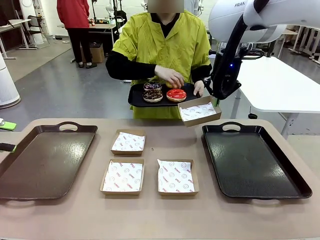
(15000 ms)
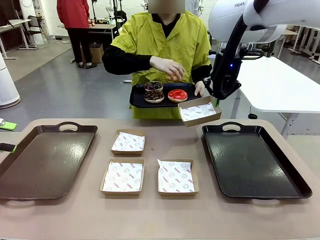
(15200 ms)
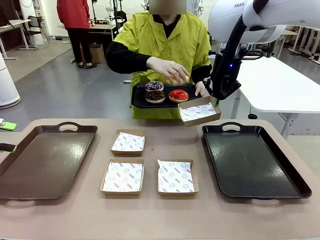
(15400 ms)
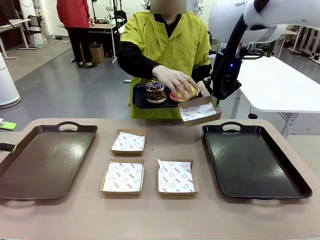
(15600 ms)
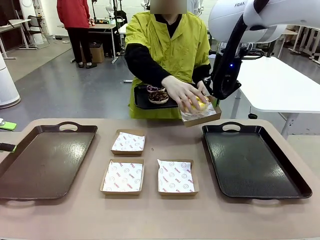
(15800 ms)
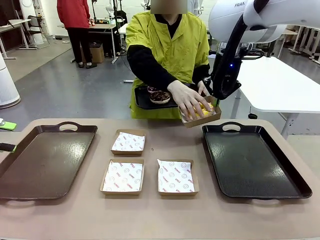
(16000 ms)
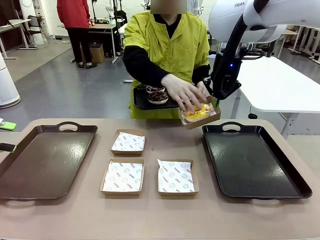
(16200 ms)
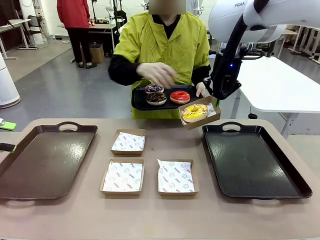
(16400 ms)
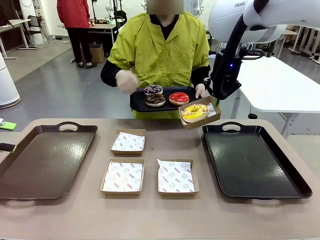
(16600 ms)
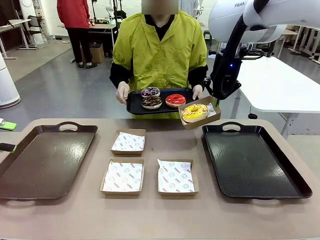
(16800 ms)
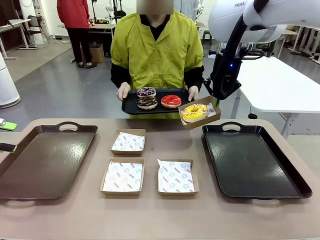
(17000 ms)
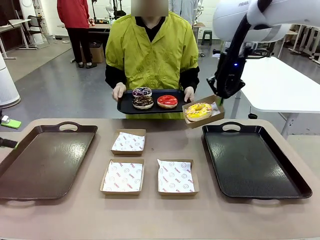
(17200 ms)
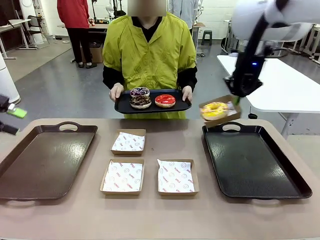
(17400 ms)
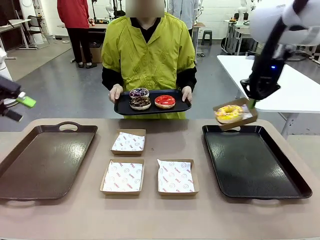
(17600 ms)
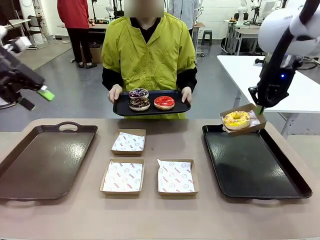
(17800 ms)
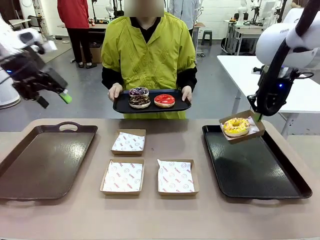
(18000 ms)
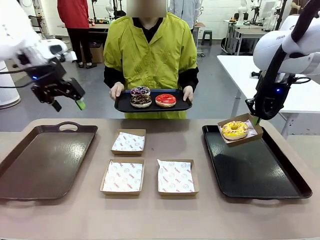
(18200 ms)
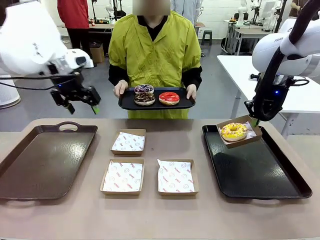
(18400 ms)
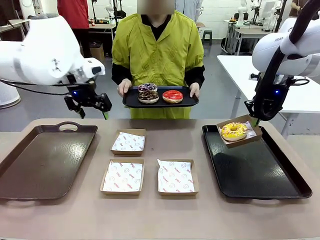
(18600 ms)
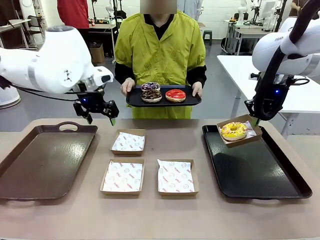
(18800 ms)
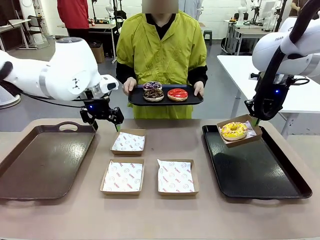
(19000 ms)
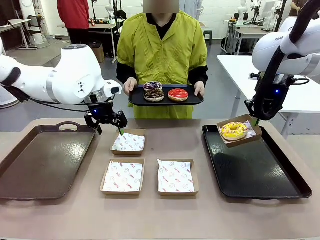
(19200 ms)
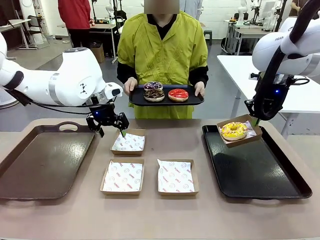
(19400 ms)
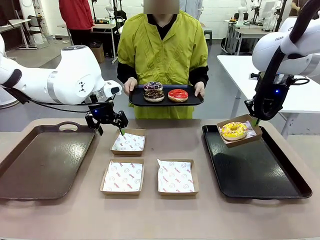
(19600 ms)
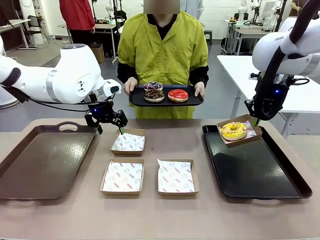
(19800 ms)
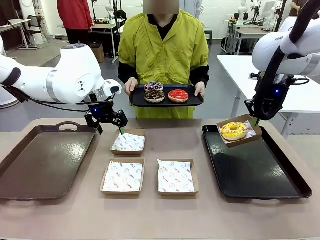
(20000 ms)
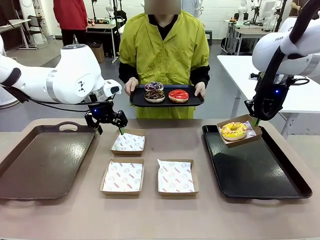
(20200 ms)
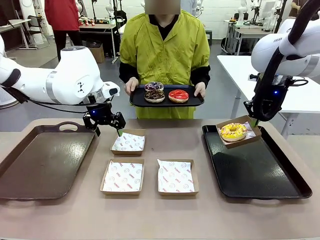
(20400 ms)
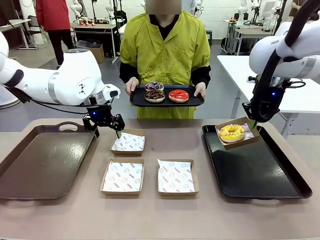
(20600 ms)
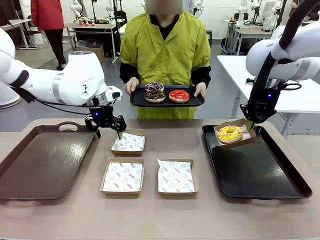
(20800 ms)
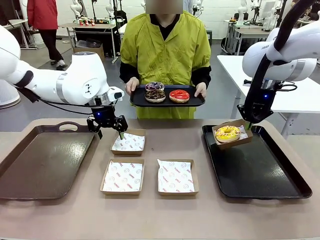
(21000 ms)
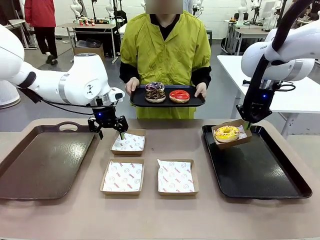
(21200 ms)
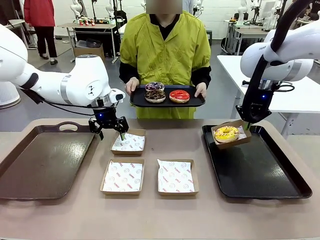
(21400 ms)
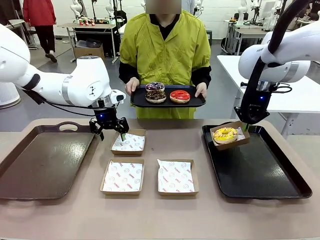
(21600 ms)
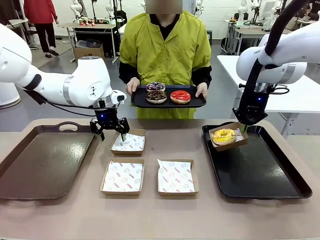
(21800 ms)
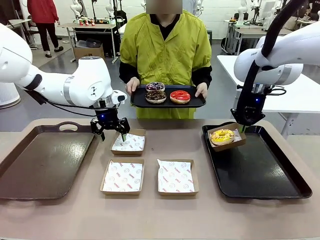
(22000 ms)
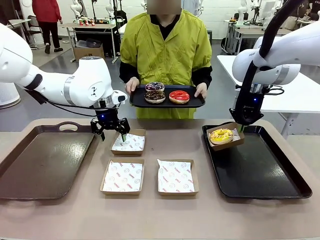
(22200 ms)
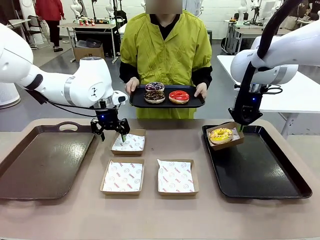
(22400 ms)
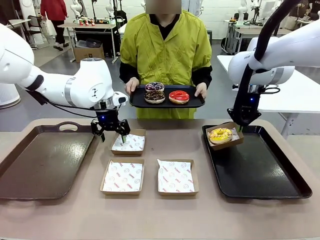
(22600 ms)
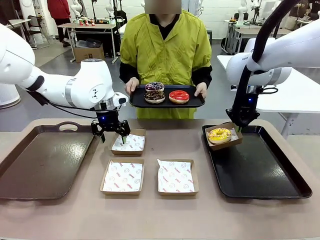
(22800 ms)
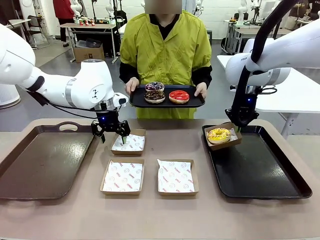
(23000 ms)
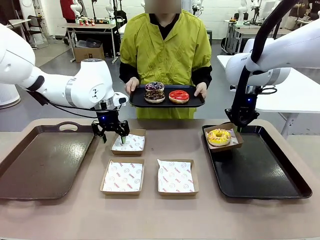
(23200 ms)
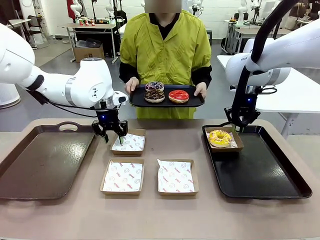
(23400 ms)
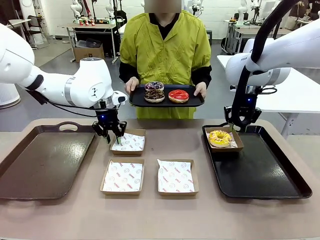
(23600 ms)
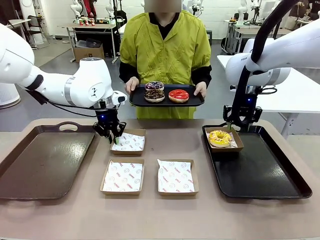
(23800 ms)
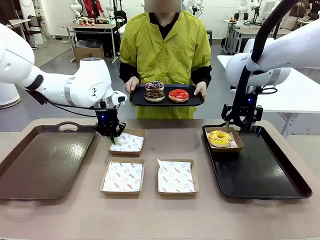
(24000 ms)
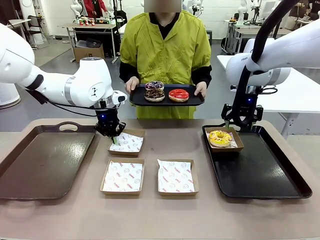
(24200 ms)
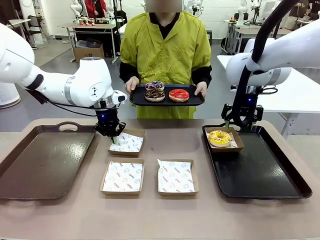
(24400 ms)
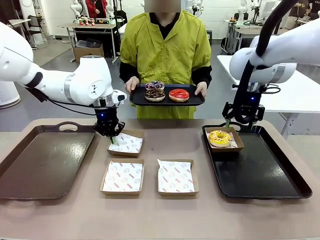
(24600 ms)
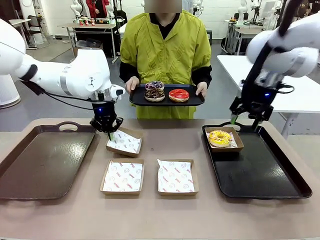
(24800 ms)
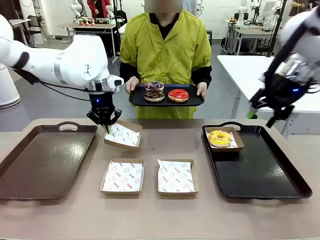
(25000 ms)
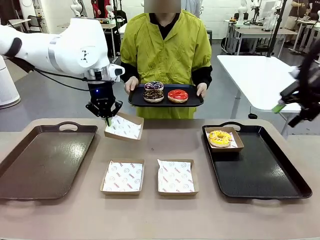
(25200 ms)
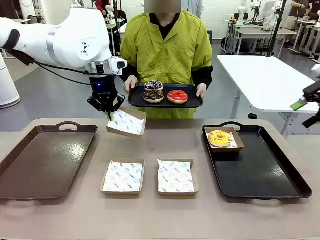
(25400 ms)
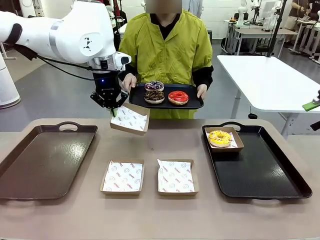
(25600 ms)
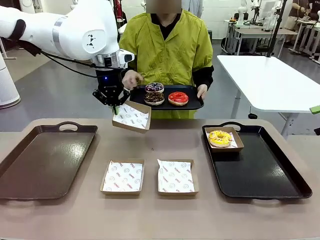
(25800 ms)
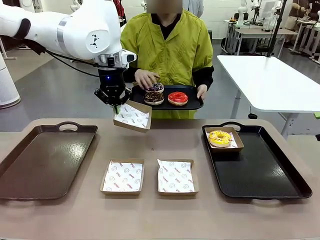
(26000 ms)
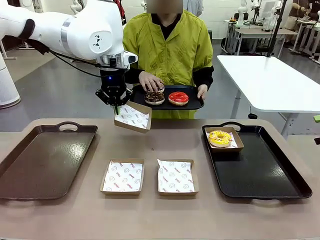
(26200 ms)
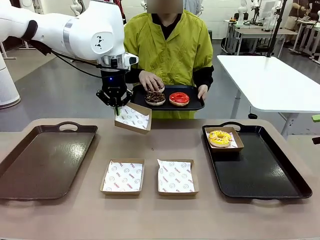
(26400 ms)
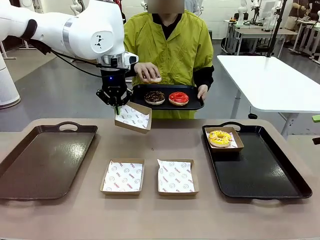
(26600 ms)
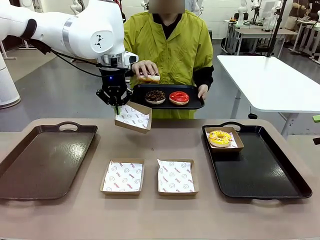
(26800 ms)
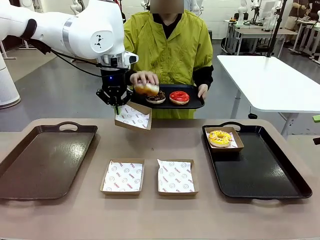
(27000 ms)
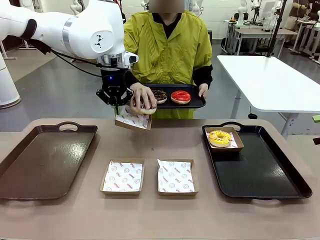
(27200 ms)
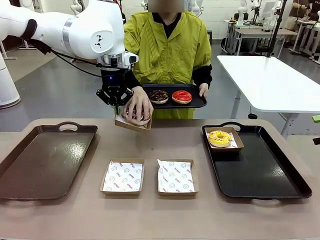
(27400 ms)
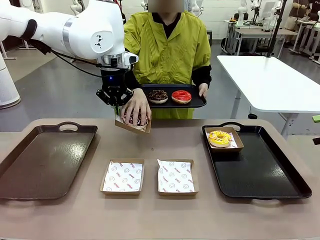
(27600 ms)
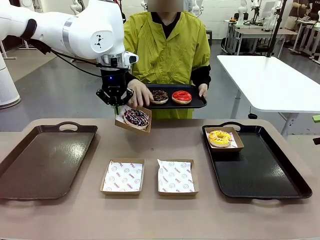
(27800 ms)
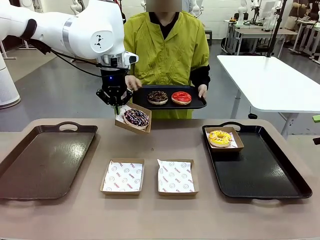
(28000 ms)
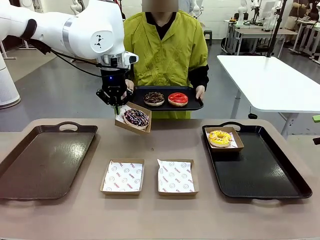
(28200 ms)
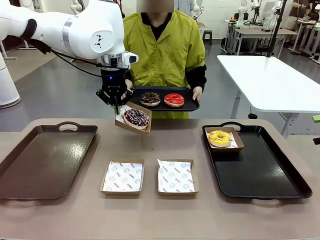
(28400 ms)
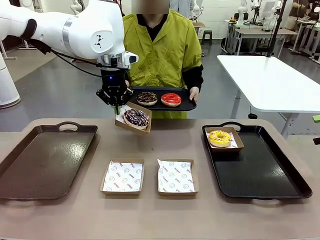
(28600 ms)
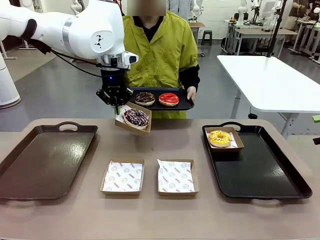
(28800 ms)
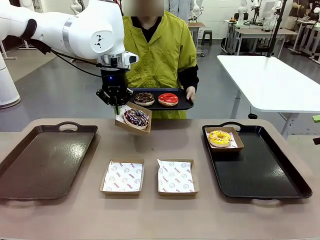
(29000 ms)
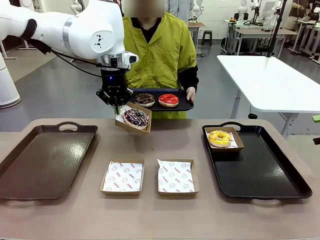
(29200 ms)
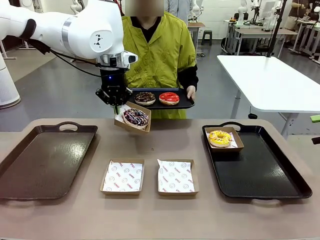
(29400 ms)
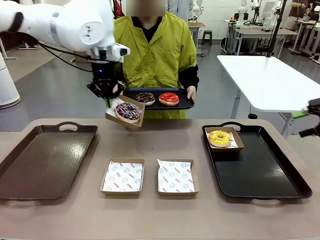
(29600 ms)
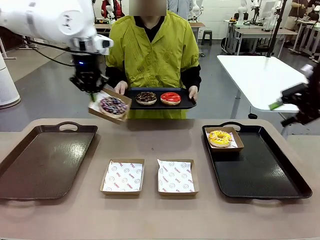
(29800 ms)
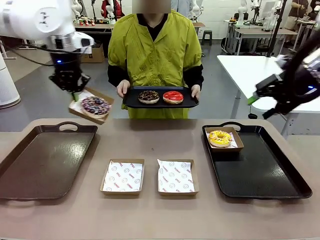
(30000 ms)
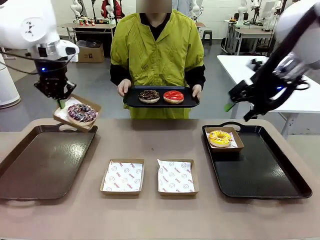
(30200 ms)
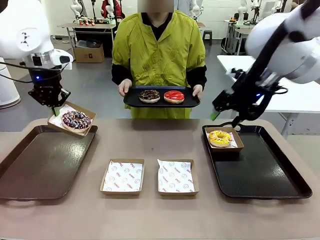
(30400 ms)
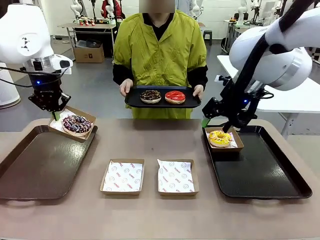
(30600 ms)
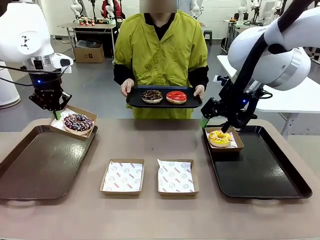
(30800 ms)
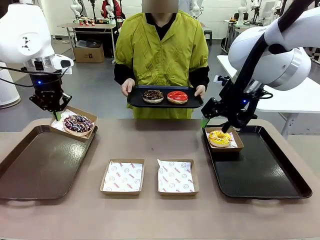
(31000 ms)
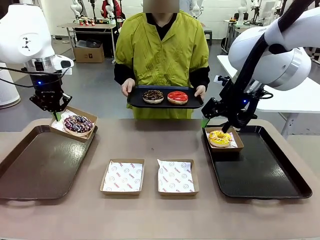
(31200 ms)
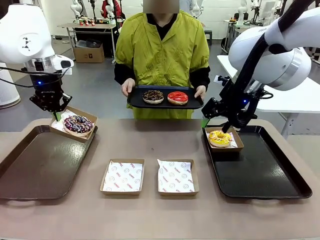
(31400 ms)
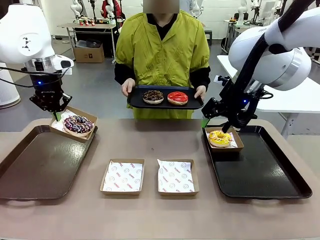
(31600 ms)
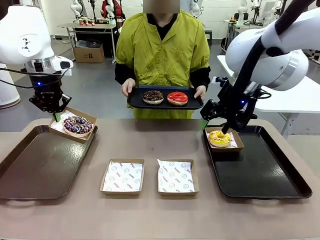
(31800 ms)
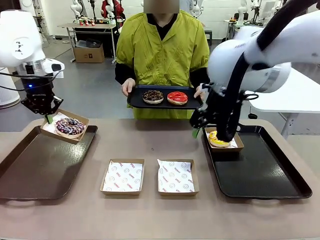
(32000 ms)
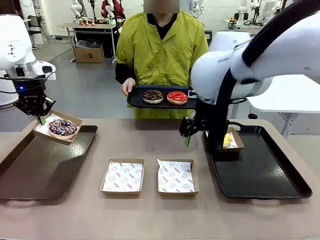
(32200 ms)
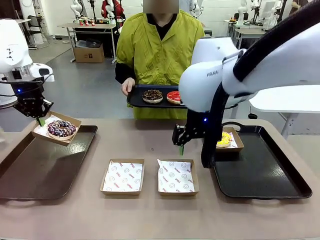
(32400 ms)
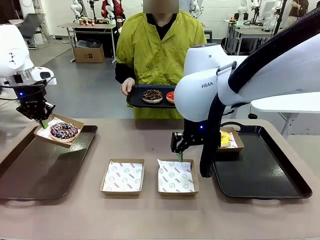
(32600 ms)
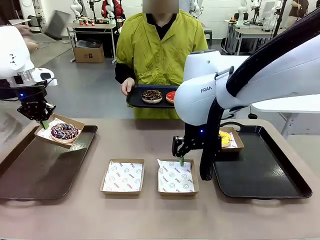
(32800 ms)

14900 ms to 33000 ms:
Task: Individually package the donuts and arrange them on the tray.
Robot: Place the picked Paper togo box on the Handle tray while simultaneously picking up another Paper togo box from the table with the other hand.
